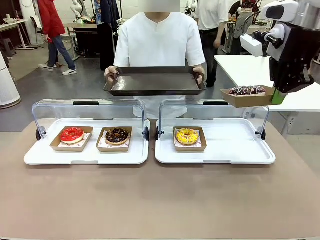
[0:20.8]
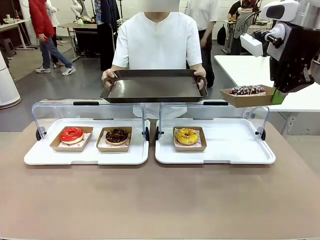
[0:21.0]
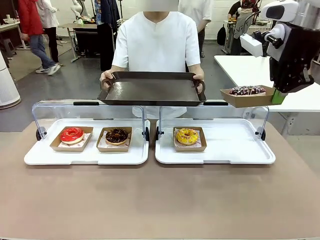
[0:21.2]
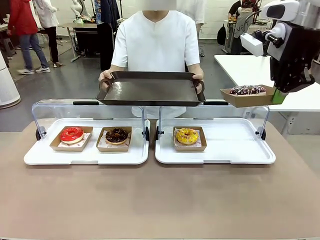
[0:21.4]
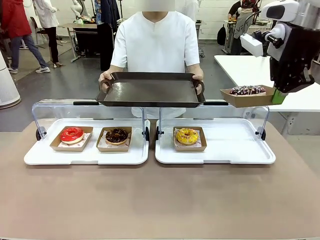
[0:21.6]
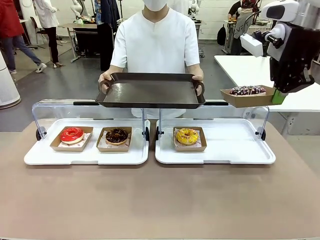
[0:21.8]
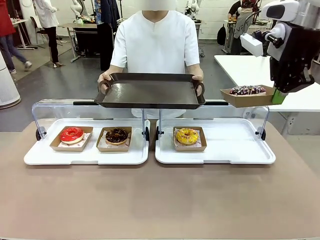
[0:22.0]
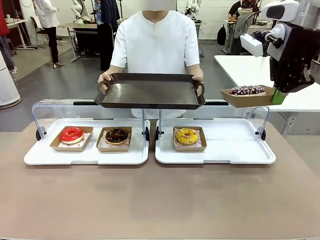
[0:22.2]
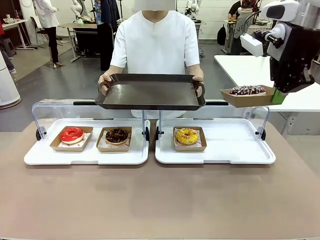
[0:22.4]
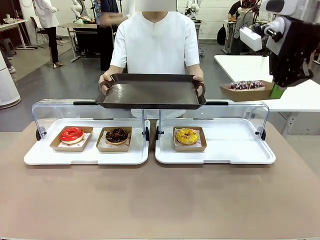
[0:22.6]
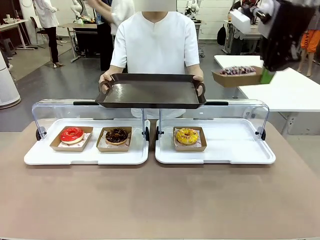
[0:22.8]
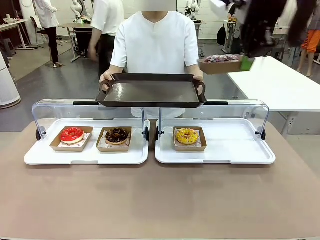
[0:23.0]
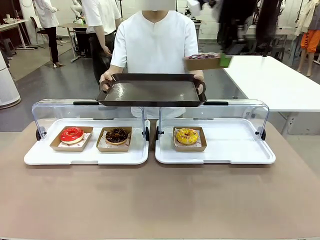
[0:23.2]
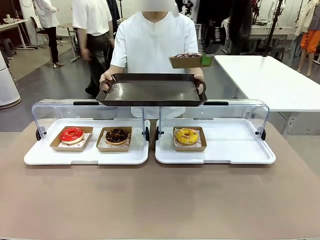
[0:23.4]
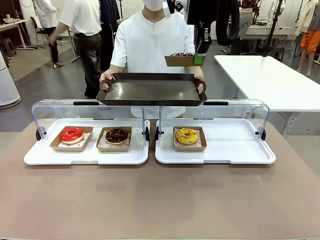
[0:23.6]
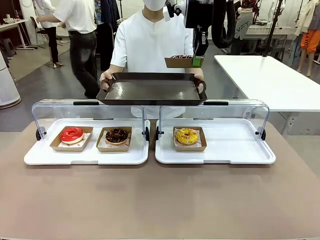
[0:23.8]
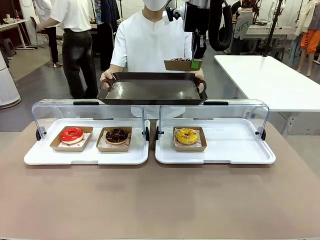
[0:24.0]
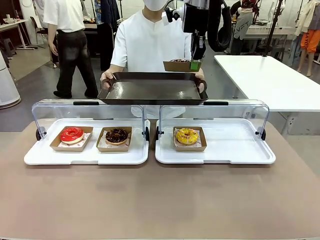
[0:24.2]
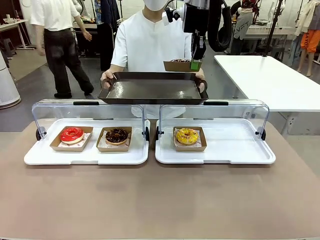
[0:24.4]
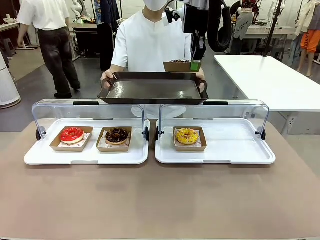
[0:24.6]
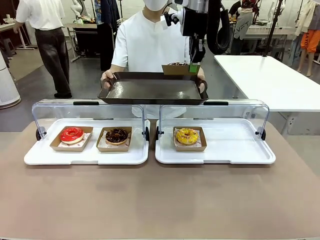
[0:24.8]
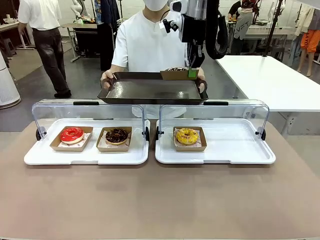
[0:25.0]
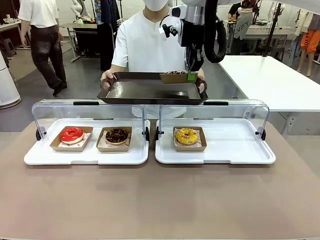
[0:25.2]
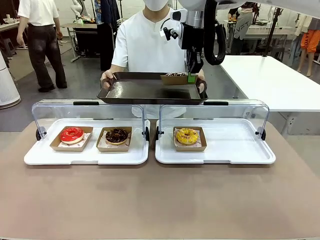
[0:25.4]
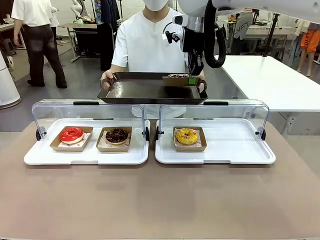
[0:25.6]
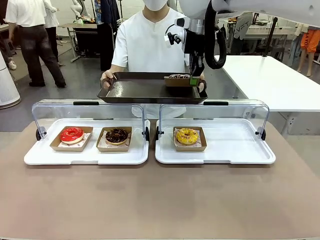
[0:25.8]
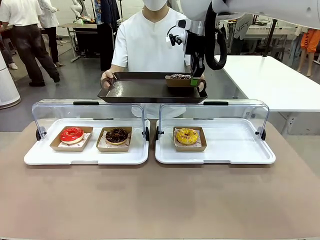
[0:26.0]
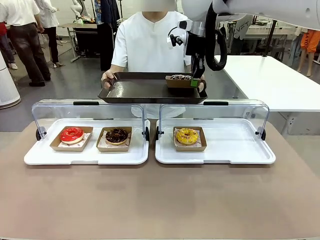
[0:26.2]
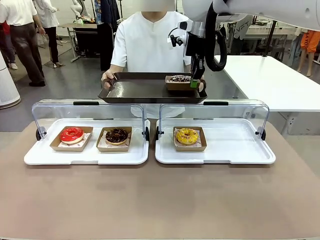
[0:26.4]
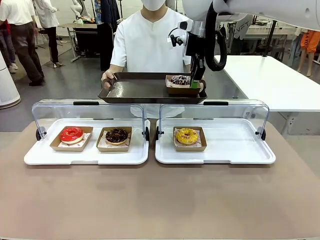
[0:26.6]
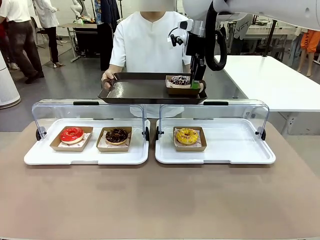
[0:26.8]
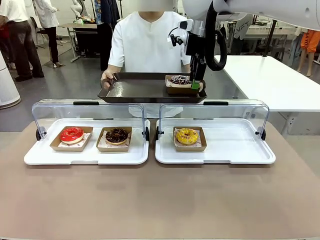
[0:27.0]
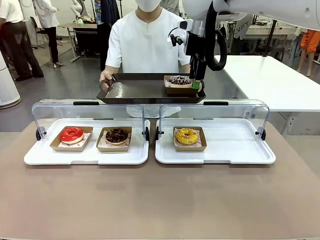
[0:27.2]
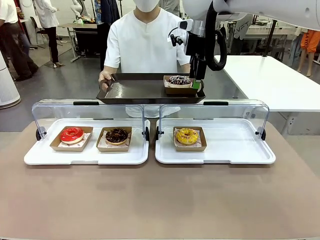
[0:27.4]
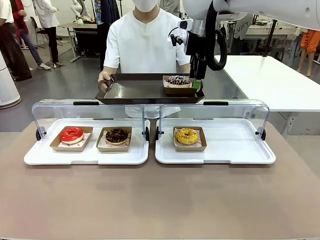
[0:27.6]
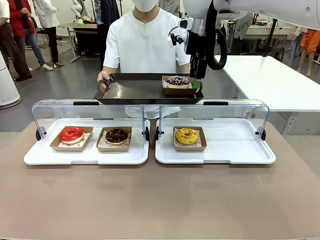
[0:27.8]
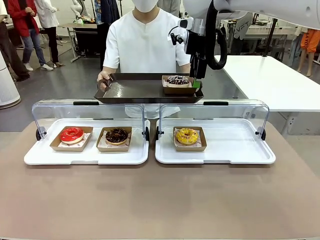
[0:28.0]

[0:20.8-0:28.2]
Task: Provide the desired donut to the person.
Robot: Place the picked Paper togo box onto the Handle tray extended by the person.

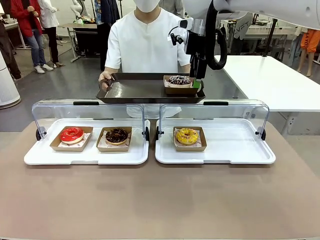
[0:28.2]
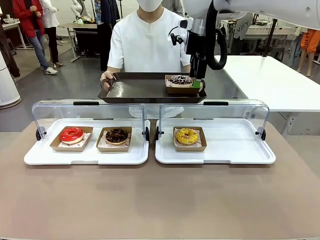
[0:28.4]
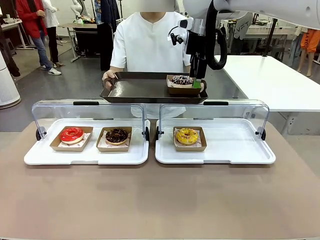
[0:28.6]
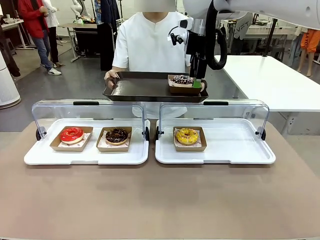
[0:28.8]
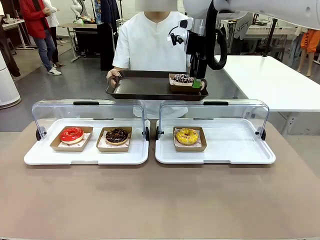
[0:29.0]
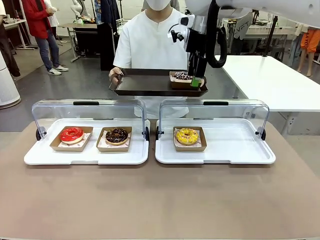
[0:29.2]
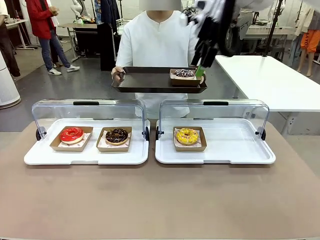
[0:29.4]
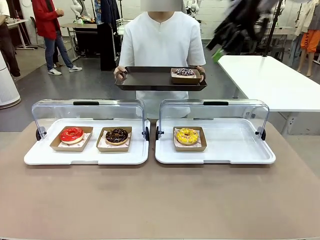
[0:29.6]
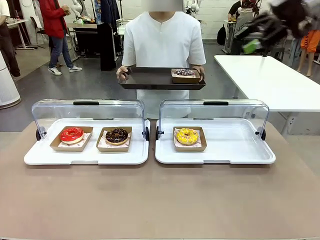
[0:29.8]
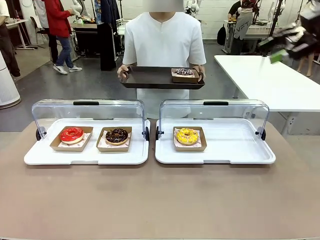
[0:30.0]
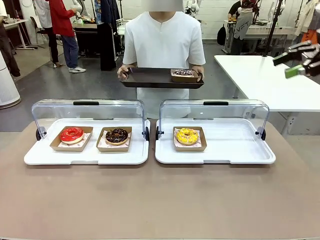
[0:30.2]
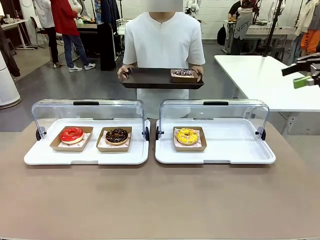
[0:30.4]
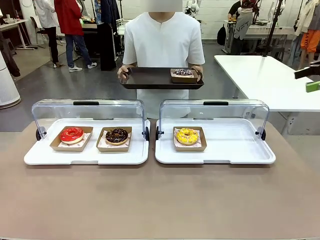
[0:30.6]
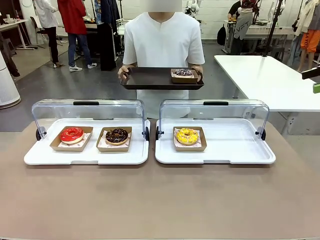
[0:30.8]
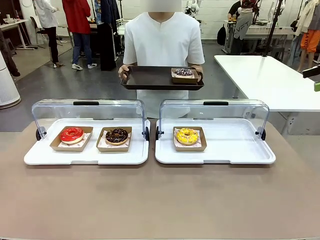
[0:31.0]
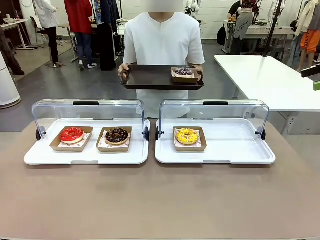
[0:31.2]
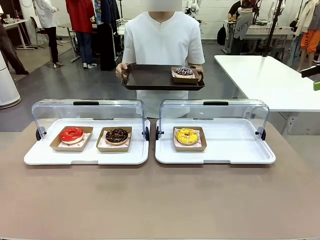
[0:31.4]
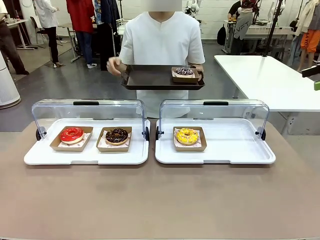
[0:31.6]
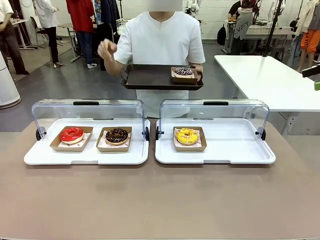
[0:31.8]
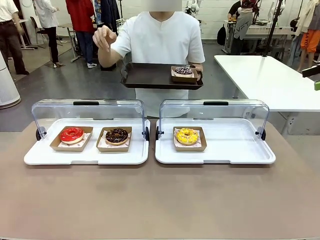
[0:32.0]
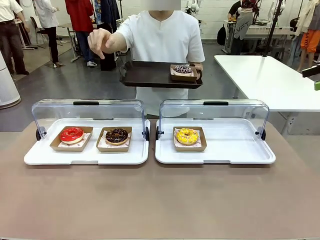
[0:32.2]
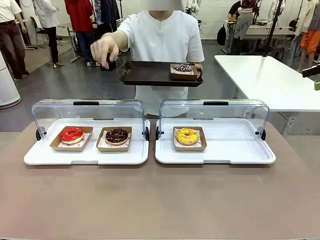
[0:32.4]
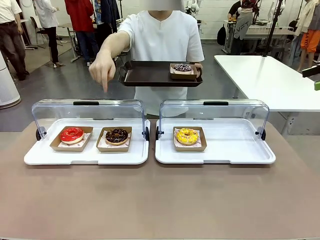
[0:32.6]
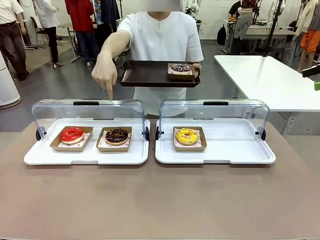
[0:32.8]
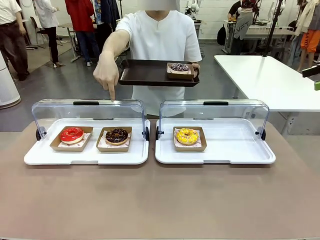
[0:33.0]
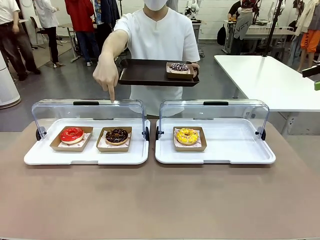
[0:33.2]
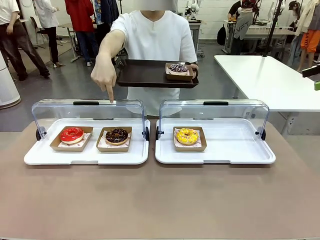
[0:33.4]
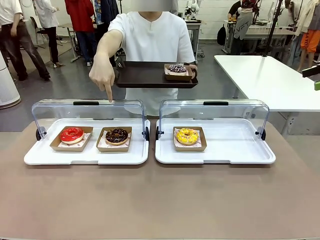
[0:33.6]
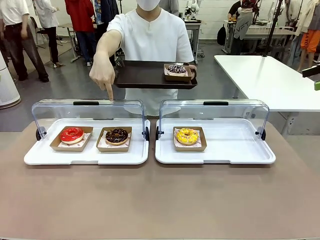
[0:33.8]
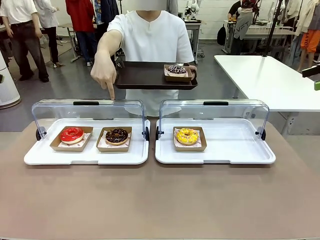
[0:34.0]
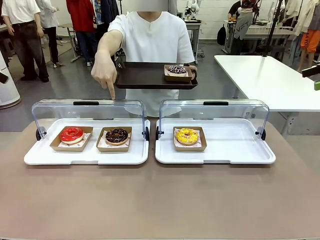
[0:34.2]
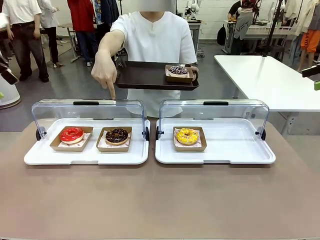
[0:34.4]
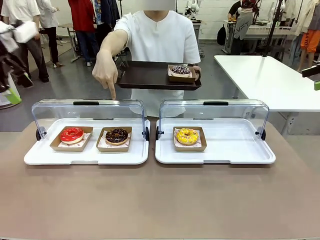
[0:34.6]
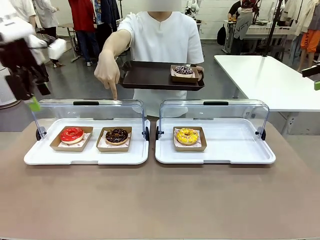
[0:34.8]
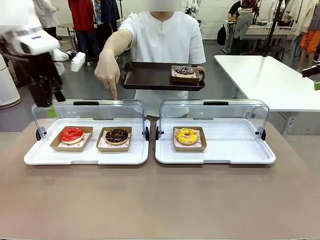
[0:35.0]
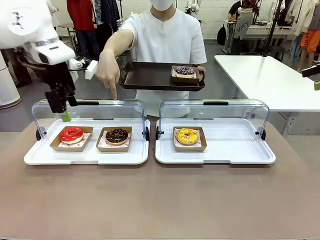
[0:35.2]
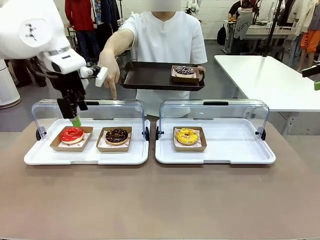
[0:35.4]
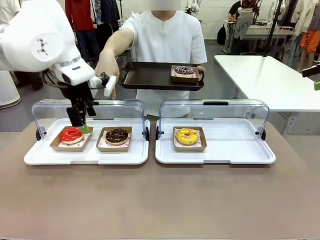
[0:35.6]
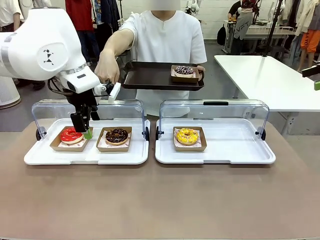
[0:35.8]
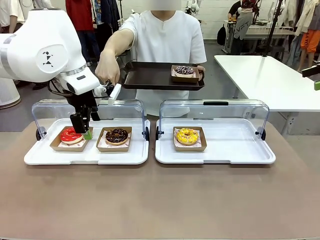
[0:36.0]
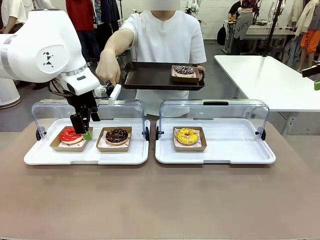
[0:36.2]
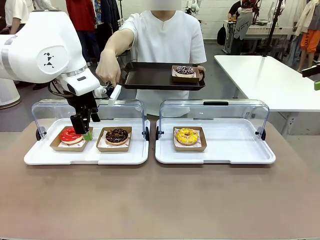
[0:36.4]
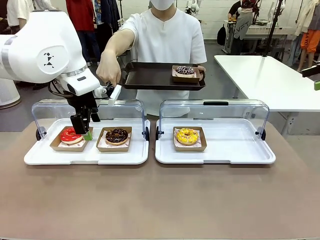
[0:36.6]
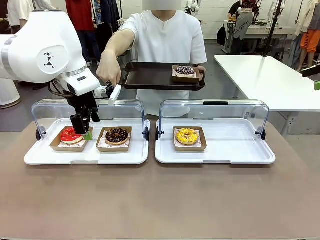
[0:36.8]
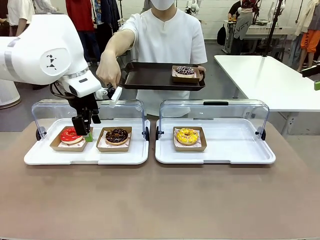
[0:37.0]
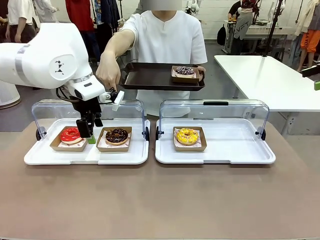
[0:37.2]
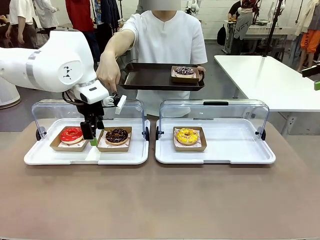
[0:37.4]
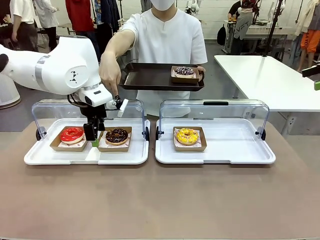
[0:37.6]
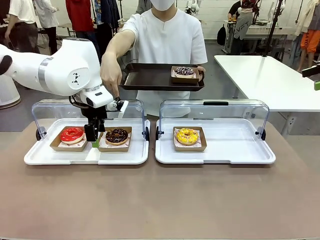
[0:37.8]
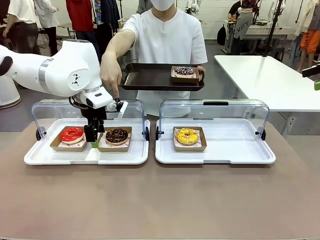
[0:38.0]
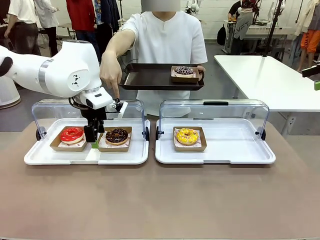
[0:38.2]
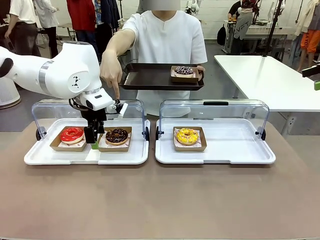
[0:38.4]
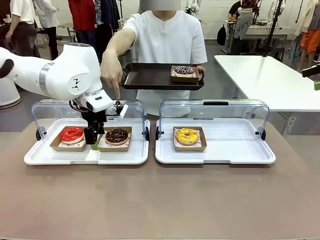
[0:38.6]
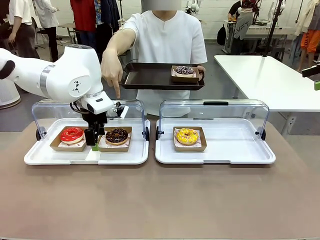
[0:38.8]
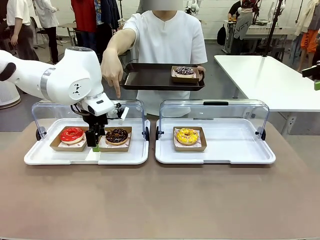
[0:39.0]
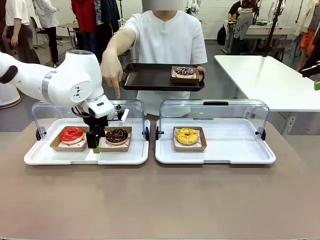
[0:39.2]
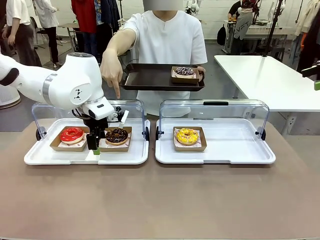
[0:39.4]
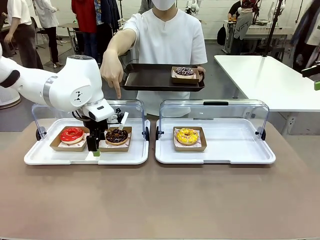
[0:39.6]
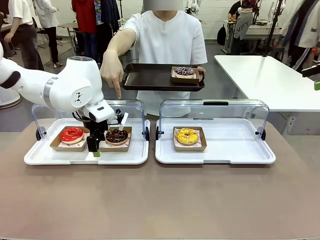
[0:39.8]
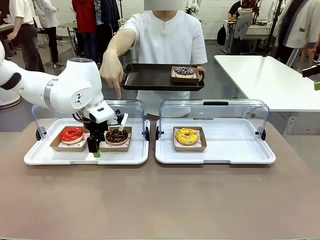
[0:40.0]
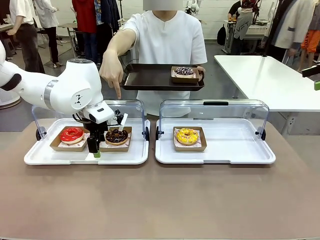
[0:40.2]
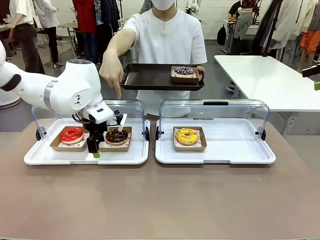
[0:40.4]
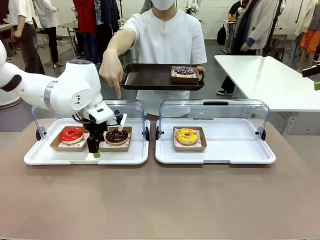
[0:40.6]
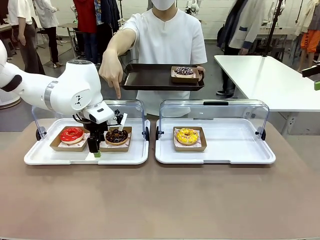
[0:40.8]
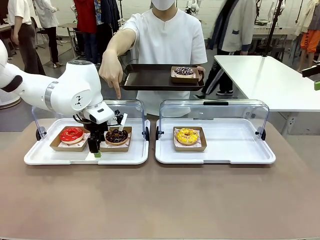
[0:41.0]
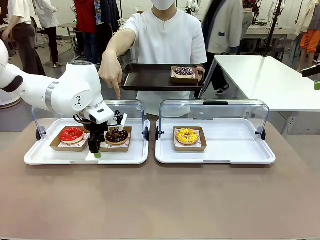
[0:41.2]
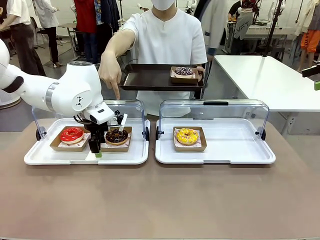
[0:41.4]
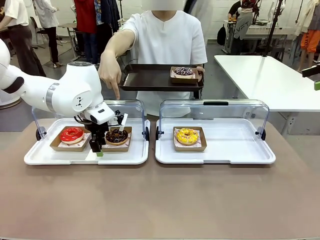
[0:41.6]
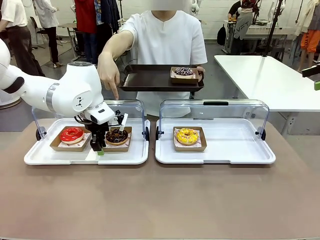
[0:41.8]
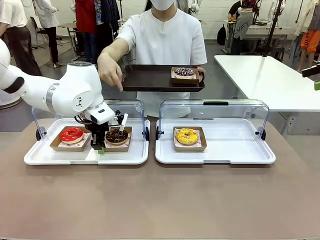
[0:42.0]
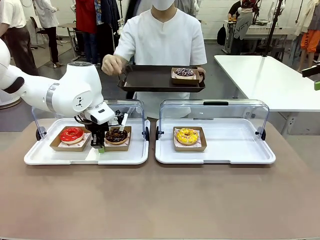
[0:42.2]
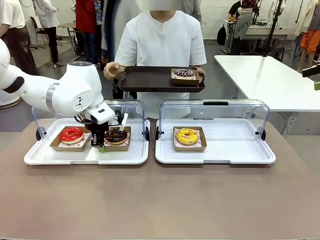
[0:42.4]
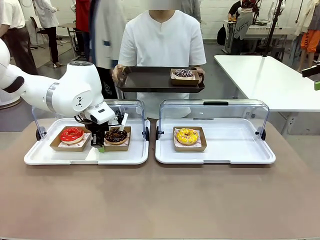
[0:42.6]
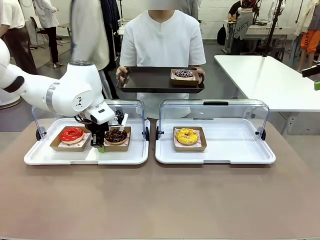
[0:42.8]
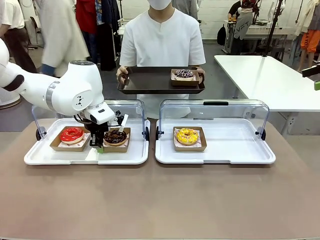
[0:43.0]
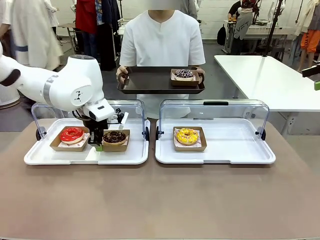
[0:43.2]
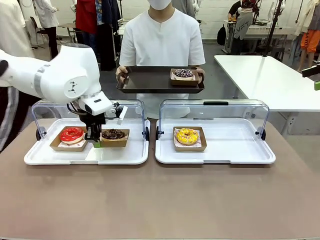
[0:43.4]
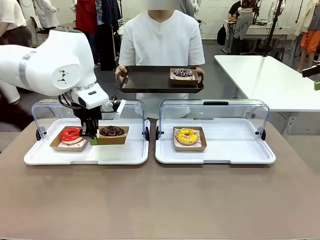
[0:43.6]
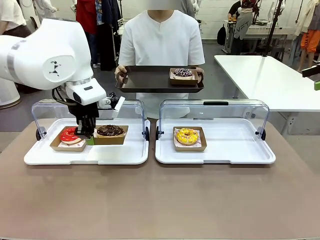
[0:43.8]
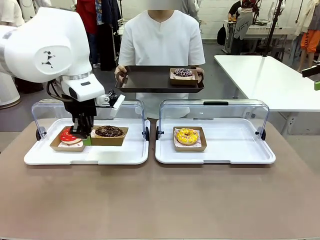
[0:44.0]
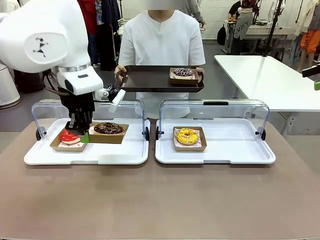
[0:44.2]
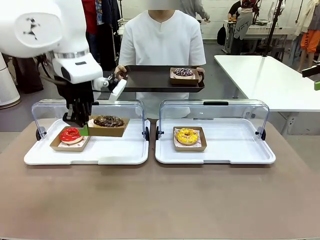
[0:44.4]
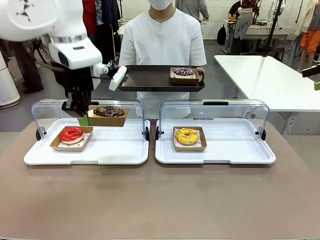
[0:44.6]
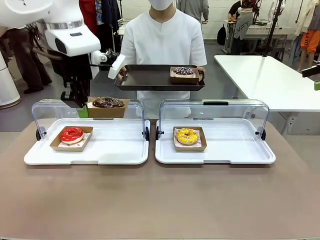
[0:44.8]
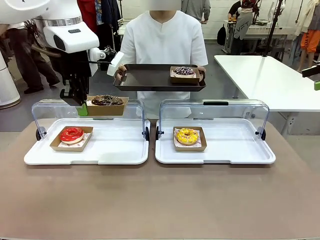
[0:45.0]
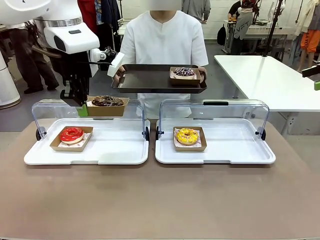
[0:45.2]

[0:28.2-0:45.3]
Robot: Pick up and lift the Paper togo box containing the Donut pointed at by the person.
Person: Point to one donut. Lift the tray onto the Roll-Top Bakery Case.
